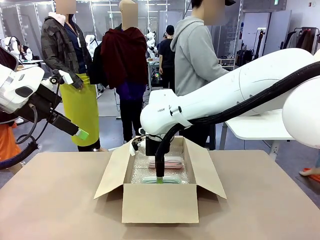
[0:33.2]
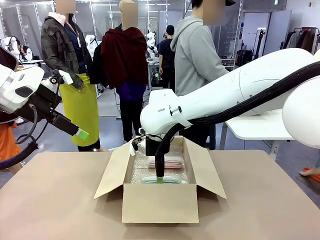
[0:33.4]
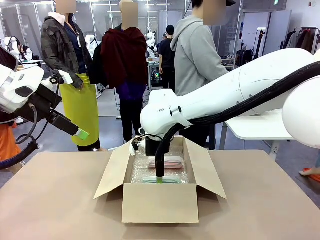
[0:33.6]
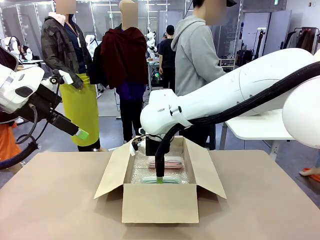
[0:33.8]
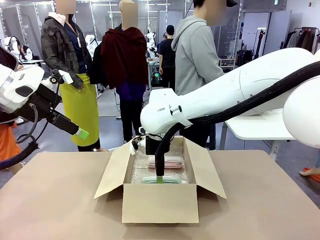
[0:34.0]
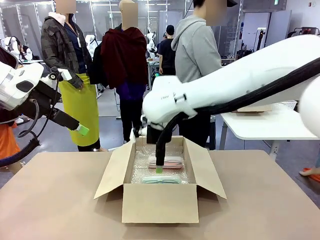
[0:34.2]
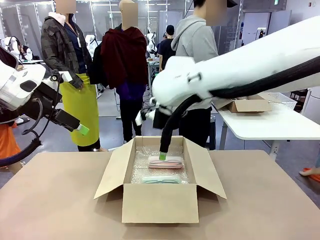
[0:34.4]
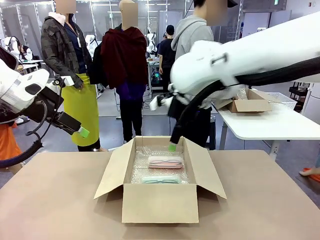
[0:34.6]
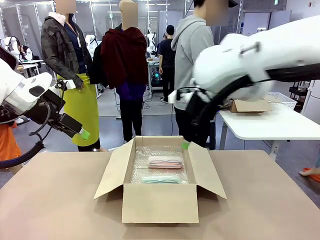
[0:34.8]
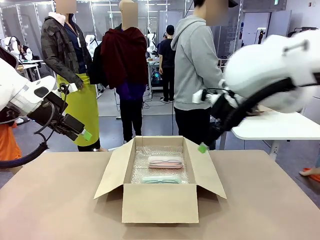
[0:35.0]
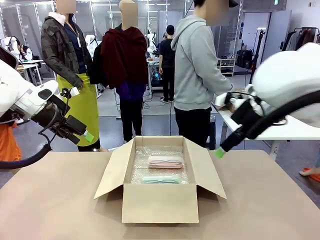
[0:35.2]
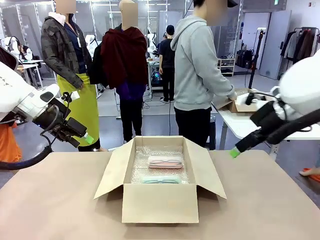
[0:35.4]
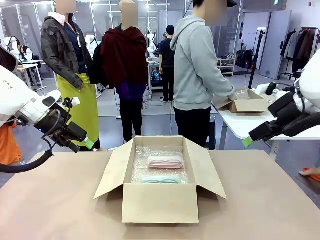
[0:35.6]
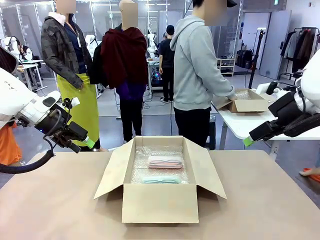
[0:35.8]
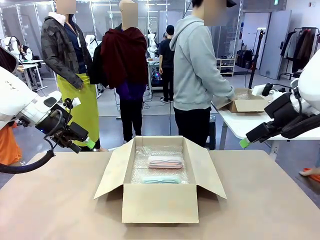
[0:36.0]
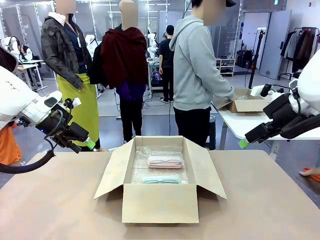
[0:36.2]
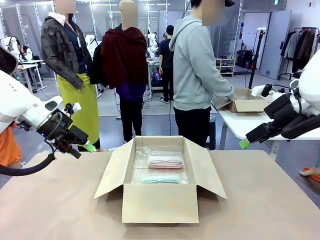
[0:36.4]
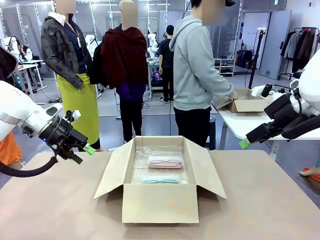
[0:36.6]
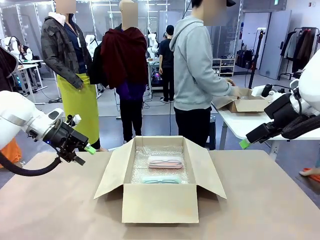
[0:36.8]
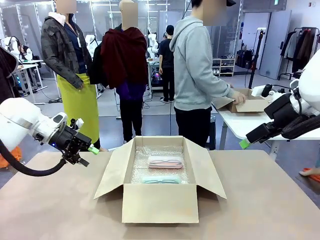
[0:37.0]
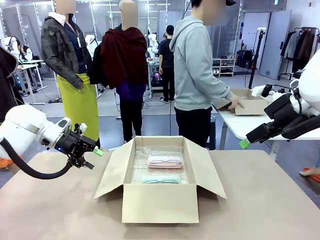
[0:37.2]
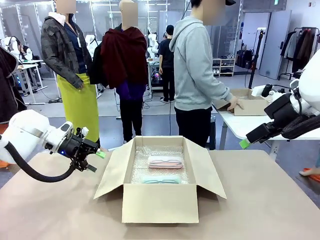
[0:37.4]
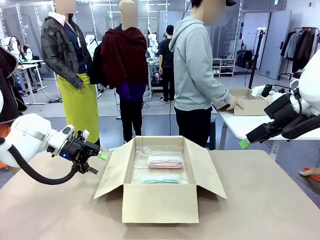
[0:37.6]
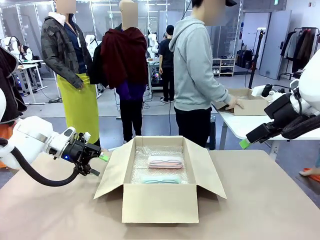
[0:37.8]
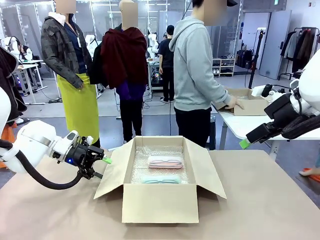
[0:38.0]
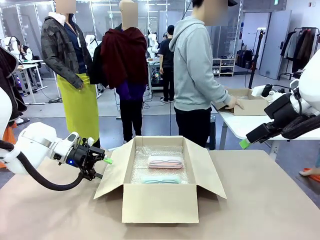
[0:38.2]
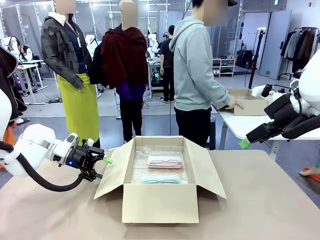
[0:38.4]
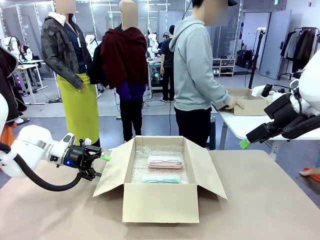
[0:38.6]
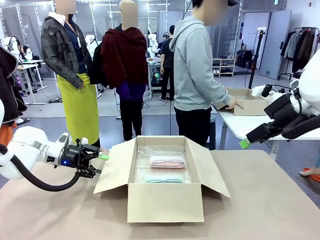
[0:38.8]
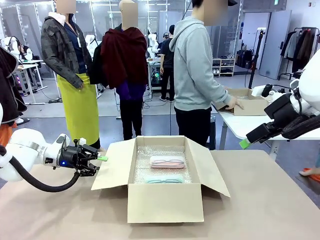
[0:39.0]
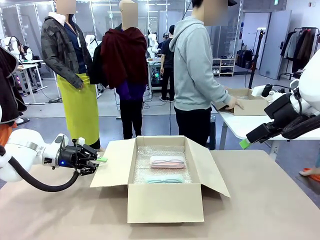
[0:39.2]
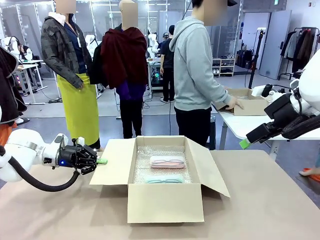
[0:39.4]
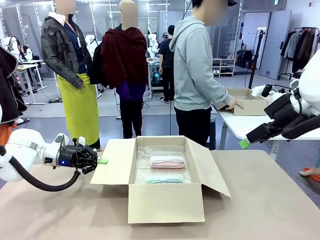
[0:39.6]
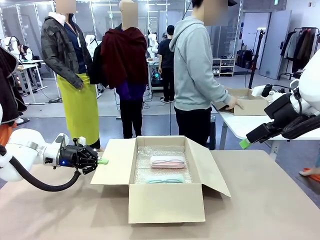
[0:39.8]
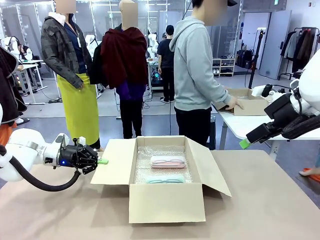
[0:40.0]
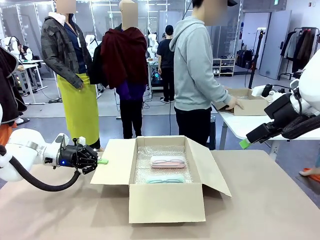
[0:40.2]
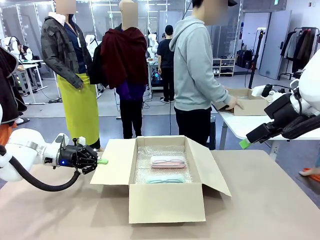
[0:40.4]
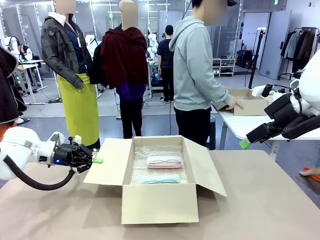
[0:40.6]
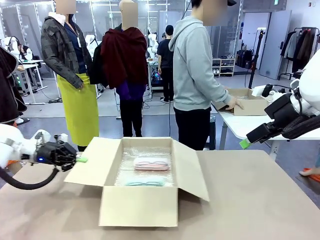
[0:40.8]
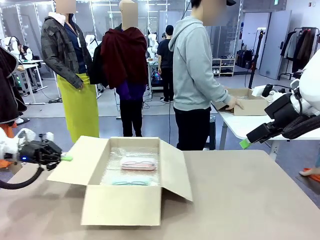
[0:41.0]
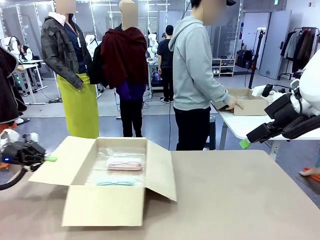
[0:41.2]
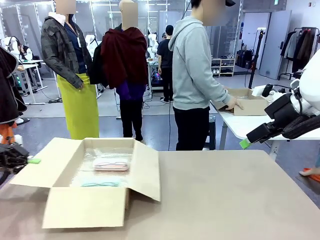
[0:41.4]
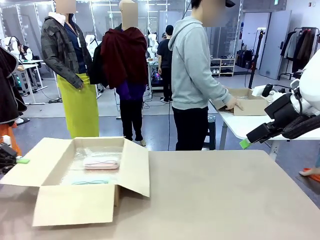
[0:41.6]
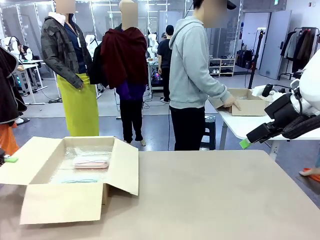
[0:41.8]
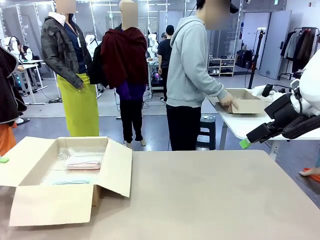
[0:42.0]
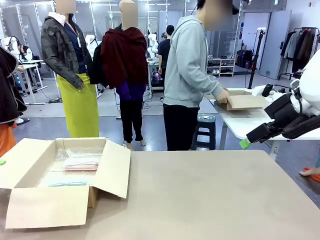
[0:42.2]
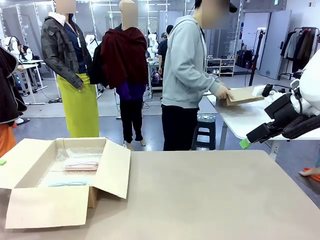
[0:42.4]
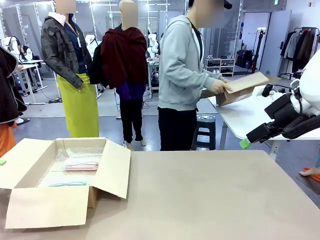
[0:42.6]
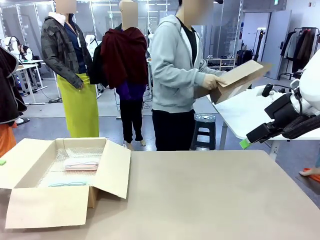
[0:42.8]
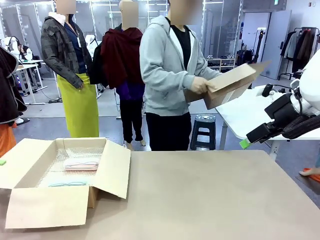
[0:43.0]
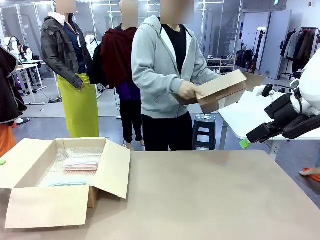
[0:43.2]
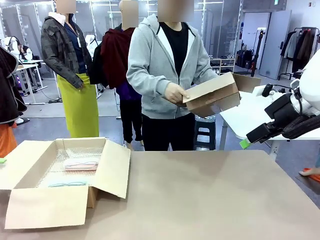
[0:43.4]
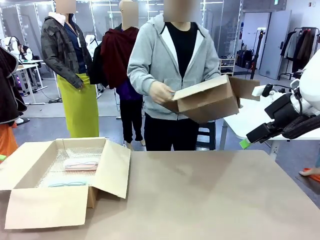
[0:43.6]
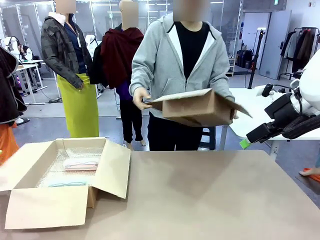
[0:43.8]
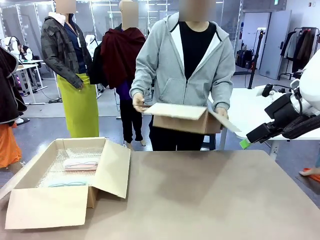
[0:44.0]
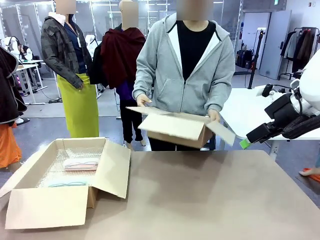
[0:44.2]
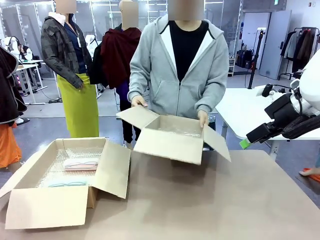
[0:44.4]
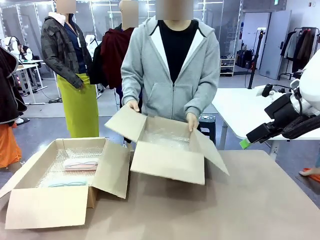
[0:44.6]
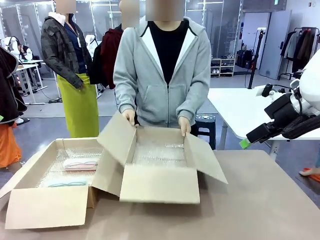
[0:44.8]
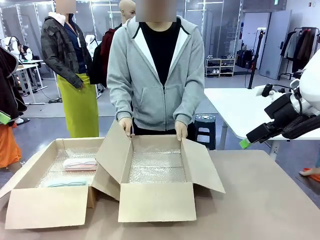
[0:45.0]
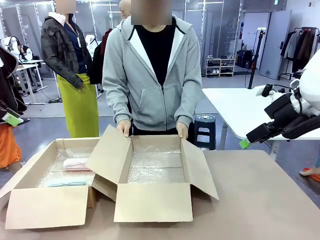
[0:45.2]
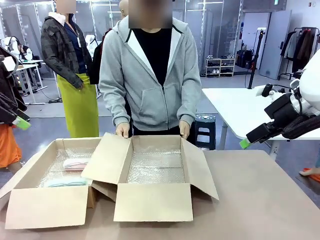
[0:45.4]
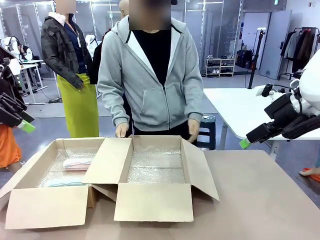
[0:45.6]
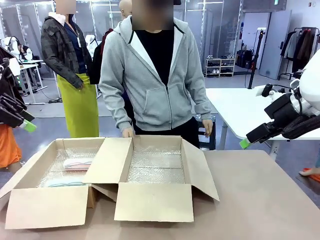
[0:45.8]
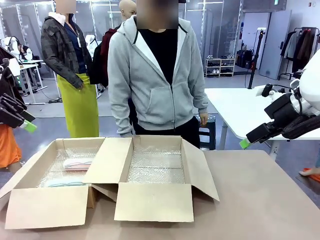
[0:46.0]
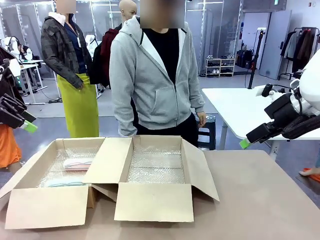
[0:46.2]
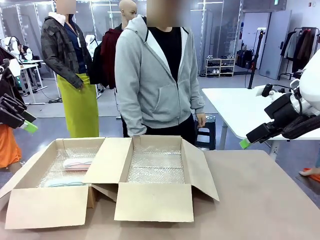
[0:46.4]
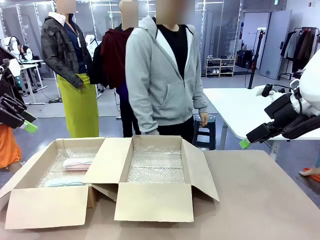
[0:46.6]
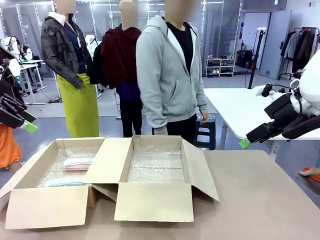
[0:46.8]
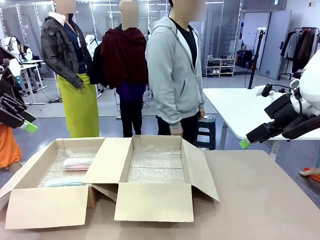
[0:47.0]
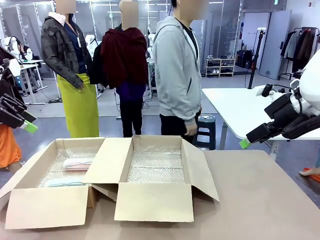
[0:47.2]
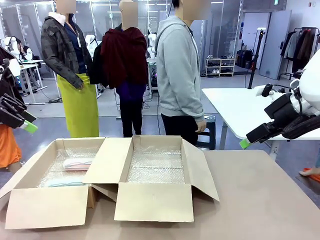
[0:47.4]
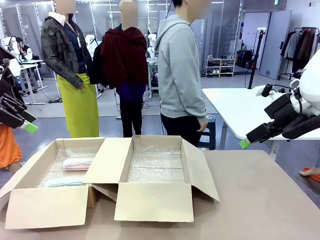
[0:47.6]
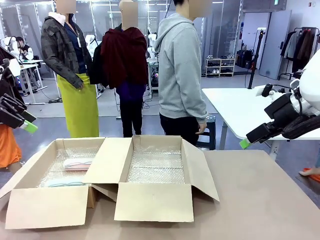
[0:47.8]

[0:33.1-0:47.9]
Task: Pack the glasses set securely to prepare it for shipping.
Robot: Position the Package Box on the left side of the table.
Person: Position the empty Package Box in the middle of the robot's table.
